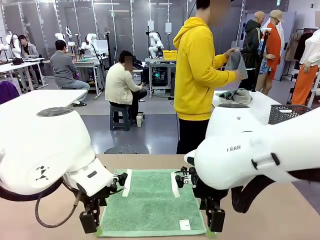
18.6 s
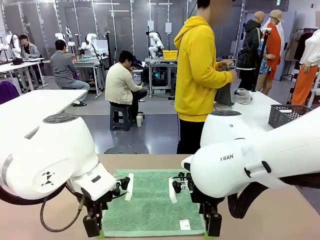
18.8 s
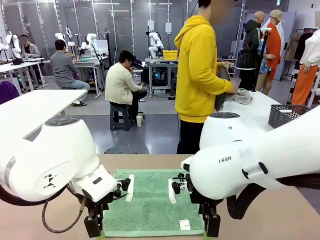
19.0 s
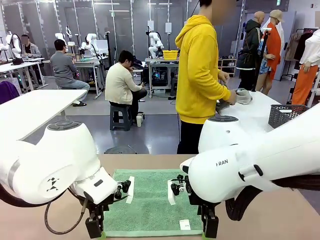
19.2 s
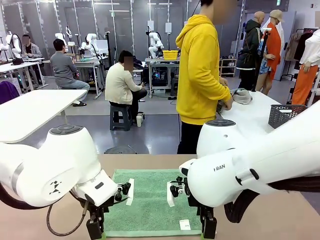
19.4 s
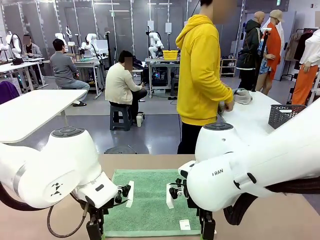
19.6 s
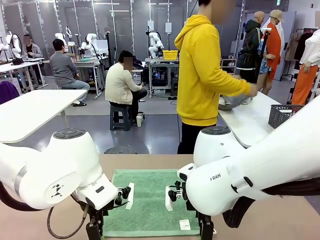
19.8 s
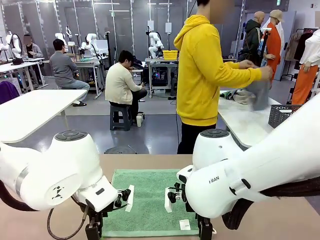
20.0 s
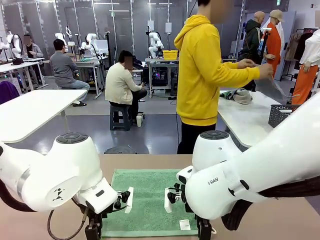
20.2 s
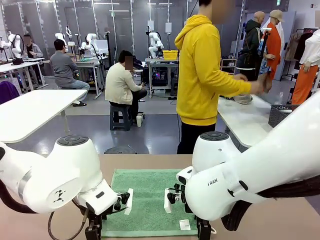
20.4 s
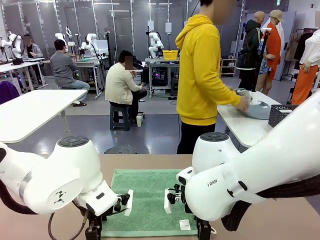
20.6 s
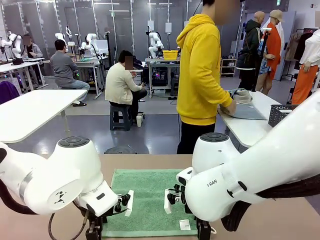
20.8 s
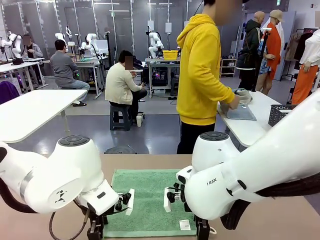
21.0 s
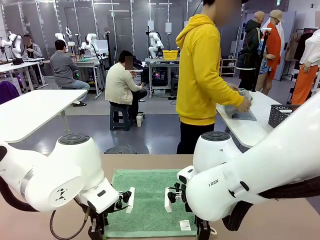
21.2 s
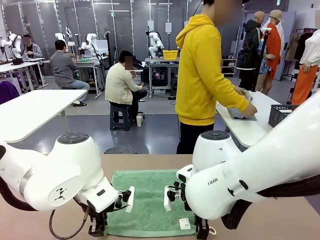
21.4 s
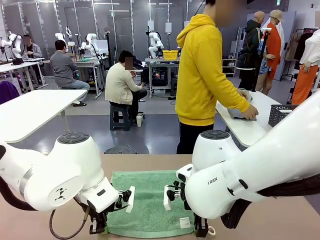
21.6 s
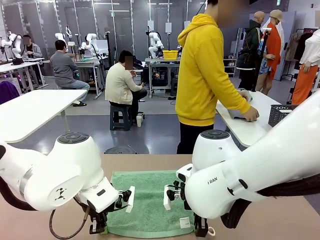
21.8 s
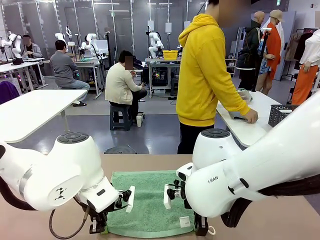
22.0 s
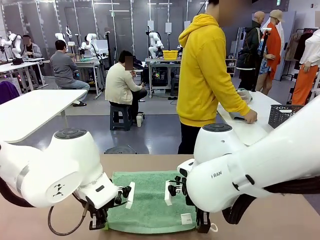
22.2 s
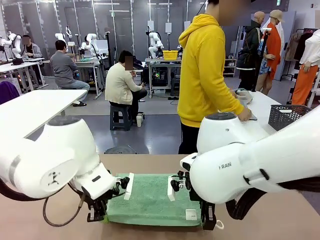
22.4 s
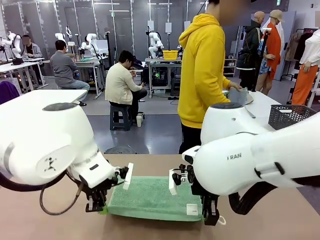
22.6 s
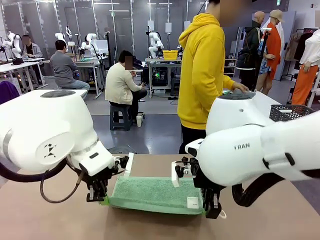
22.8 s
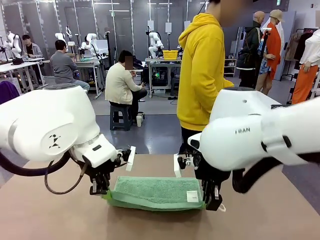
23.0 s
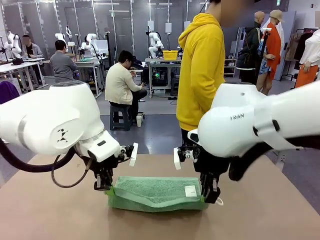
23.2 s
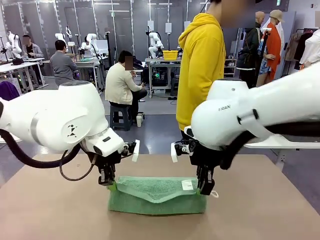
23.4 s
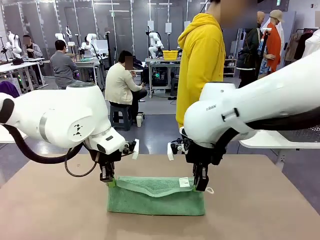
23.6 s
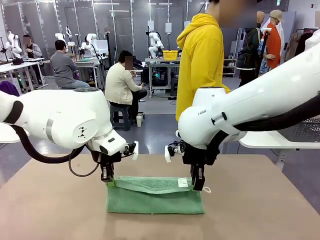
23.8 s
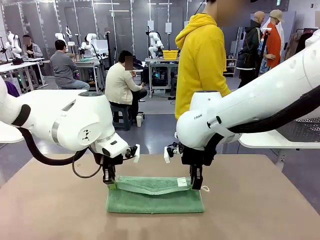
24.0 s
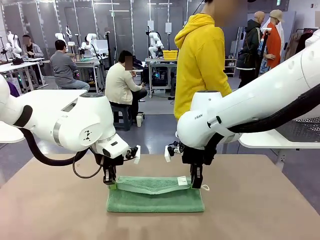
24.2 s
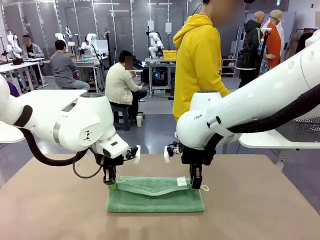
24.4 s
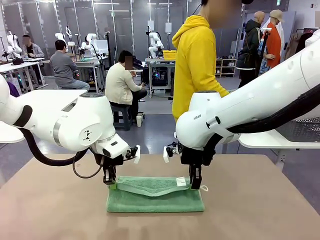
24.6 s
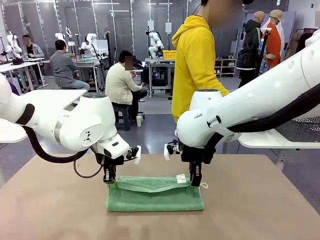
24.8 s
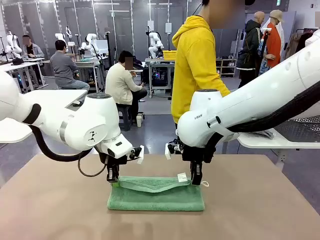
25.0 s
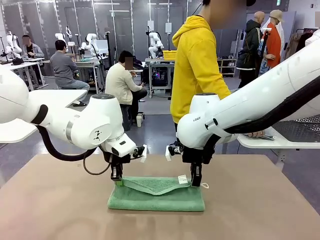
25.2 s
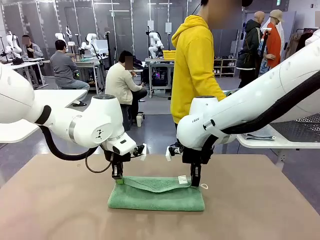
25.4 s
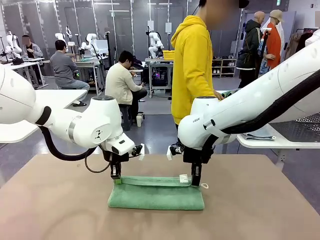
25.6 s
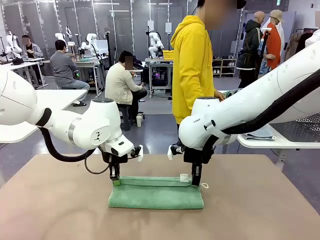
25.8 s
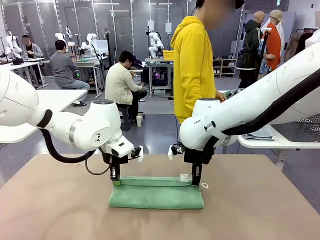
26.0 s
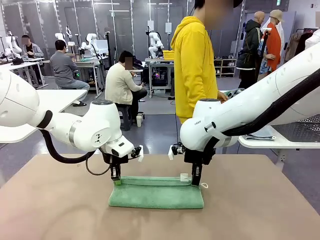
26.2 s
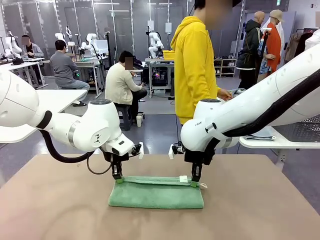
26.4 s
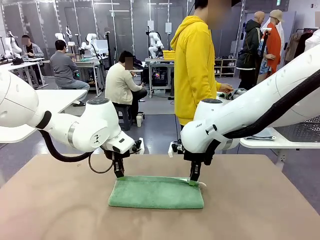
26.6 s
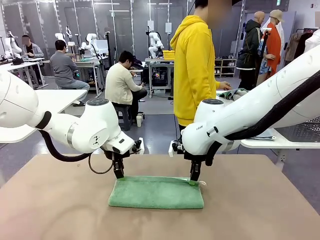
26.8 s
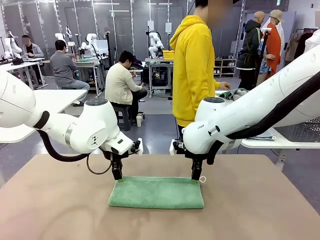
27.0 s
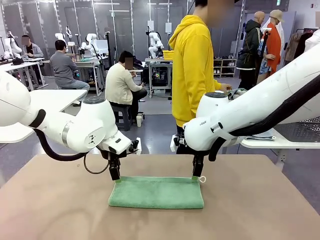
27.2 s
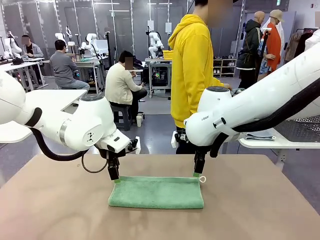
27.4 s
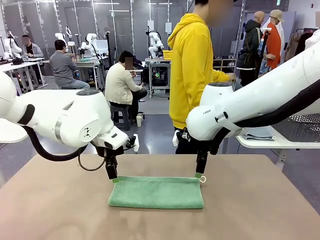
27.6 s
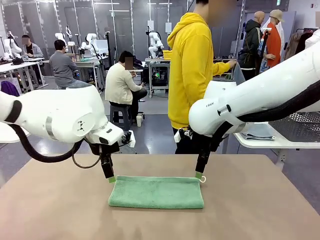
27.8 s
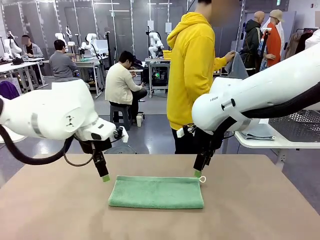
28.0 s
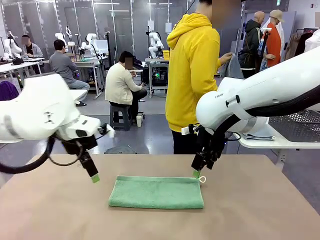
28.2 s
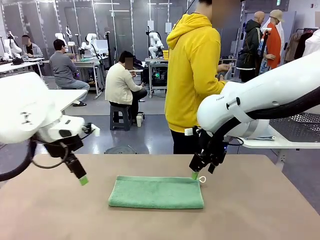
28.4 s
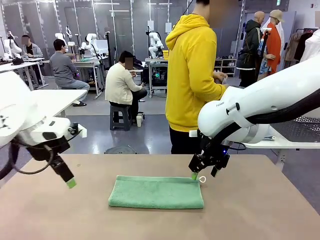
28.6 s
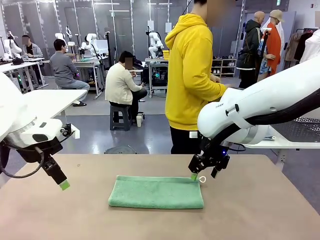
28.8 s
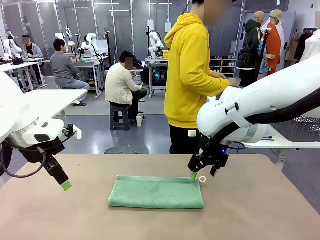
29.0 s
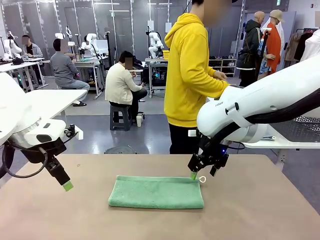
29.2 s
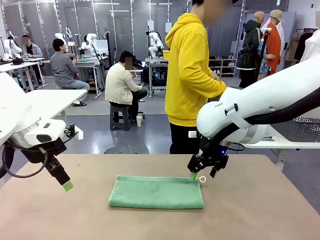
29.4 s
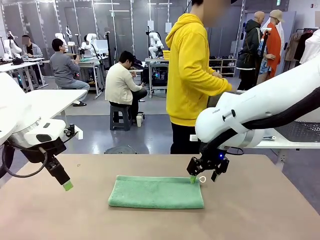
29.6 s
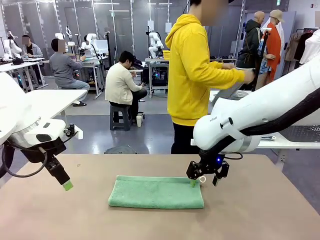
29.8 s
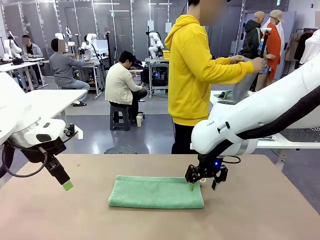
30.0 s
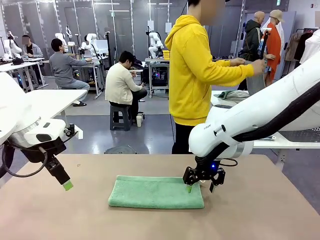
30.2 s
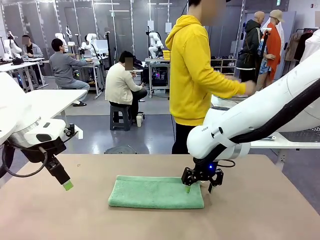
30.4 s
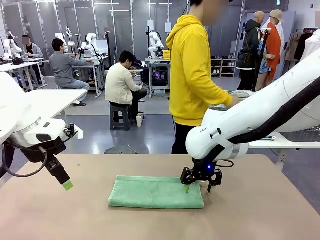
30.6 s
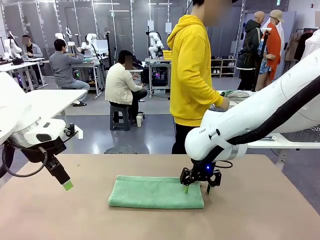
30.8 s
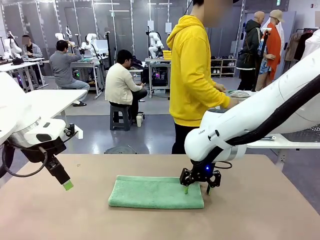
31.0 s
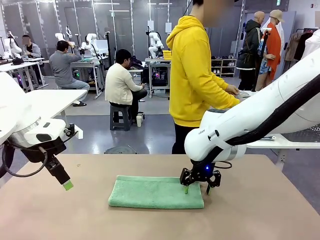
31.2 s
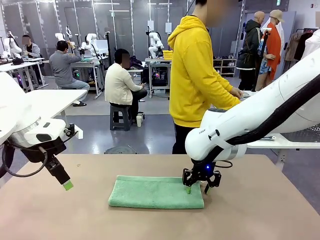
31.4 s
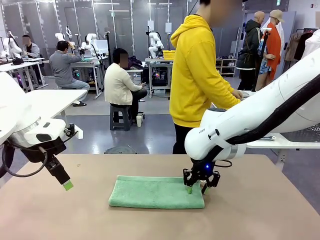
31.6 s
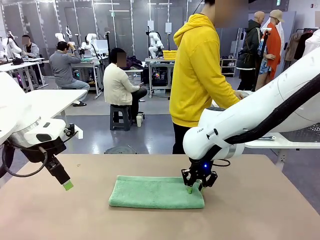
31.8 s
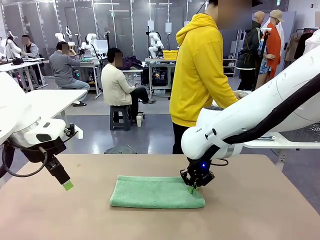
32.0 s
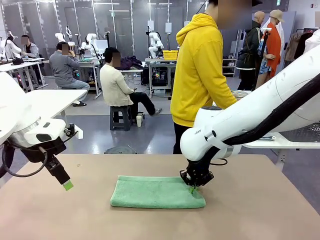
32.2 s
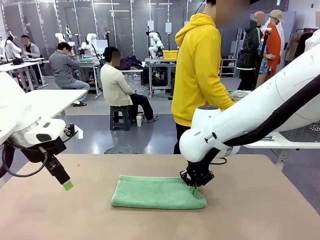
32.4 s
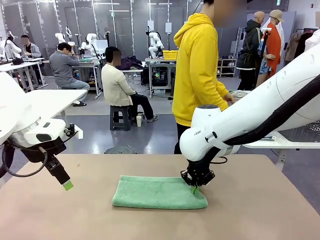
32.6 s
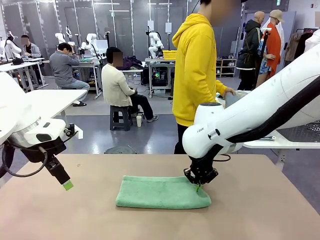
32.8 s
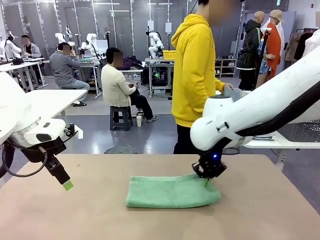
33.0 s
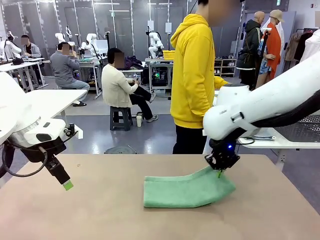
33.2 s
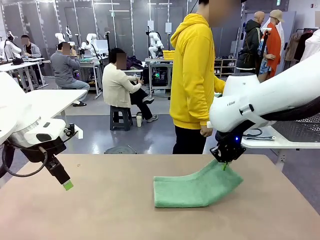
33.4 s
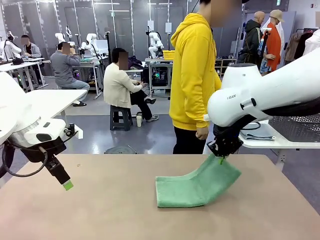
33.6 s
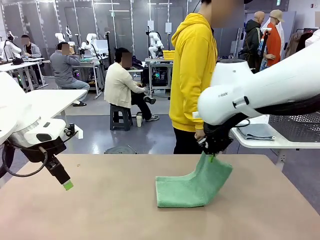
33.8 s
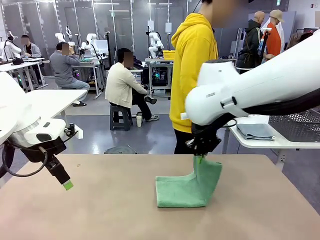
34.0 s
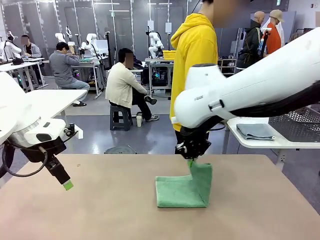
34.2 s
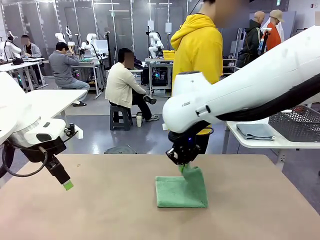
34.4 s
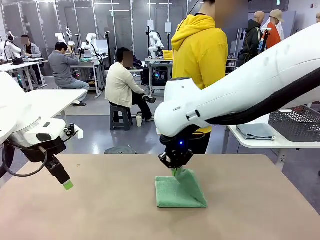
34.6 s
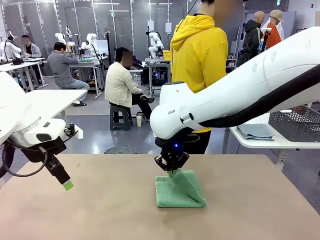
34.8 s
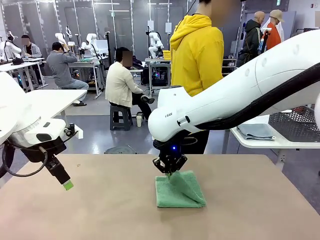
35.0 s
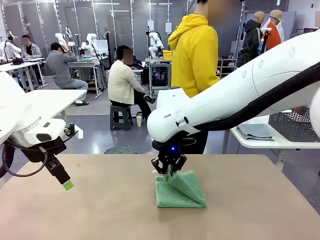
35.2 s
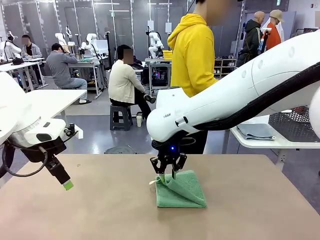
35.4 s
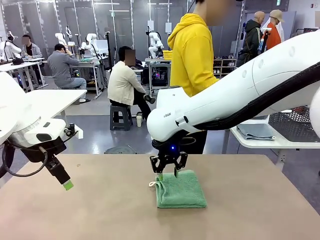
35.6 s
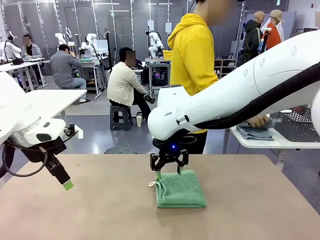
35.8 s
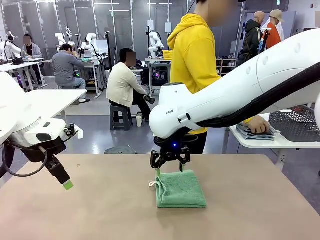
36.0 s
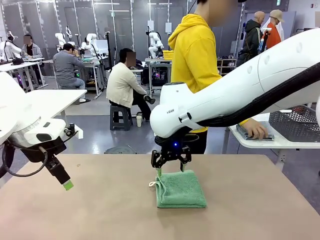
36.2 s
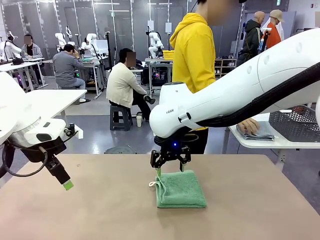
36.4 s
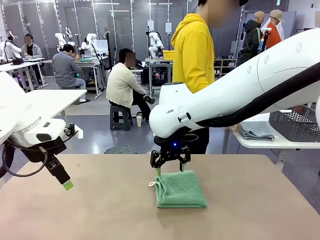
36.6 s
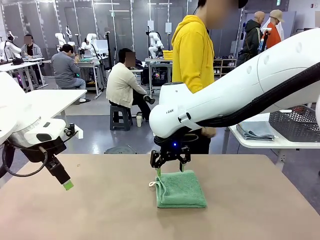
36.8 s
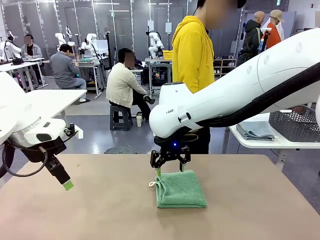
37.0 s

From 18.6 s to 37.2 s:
Task: Fold the towels and place them in the basket.
Robot: When a person lays out a Towel with hook on the table, fold it in half twice.
Person: Pick up one towel from the left side of the human table, fold it in half twice, and place it on the right side of the table. Pick up one towel from the left side of the human table, fold it in half twice, and stack it on the right side of the table.
